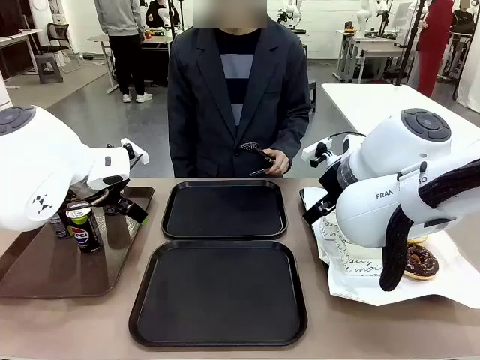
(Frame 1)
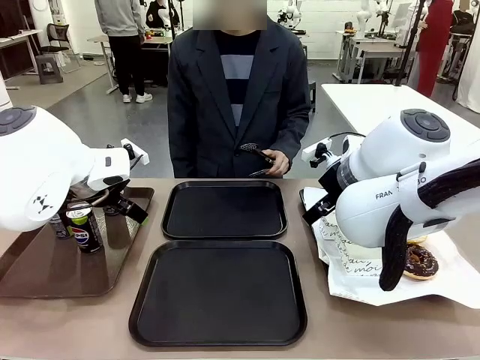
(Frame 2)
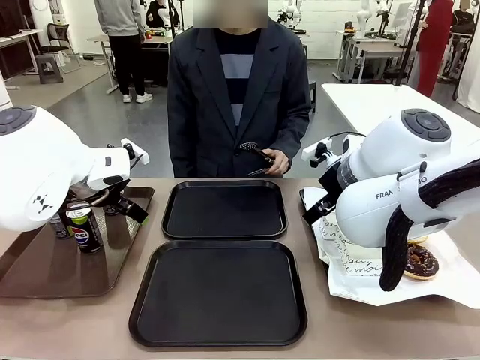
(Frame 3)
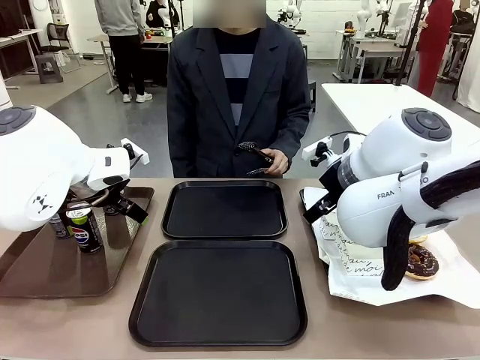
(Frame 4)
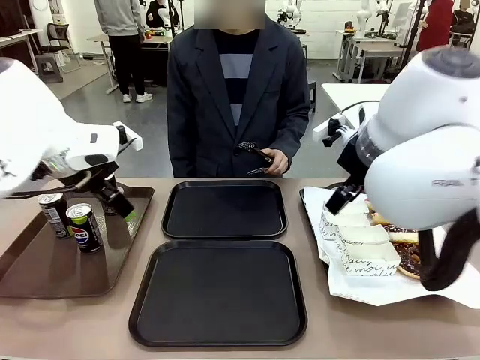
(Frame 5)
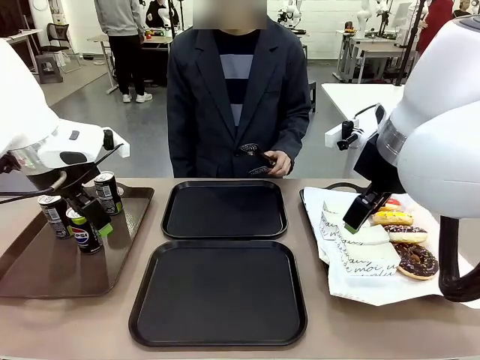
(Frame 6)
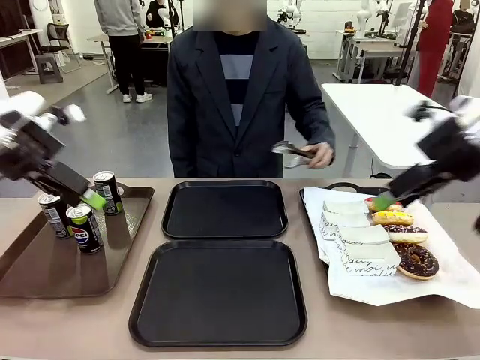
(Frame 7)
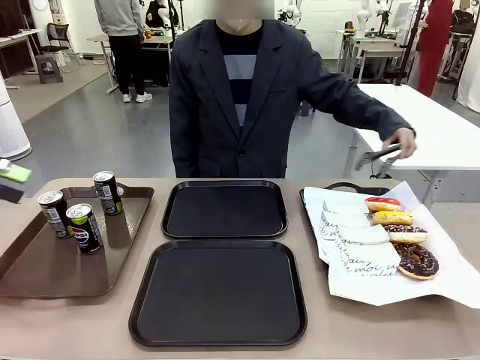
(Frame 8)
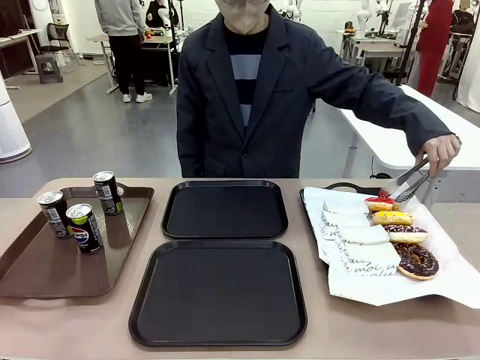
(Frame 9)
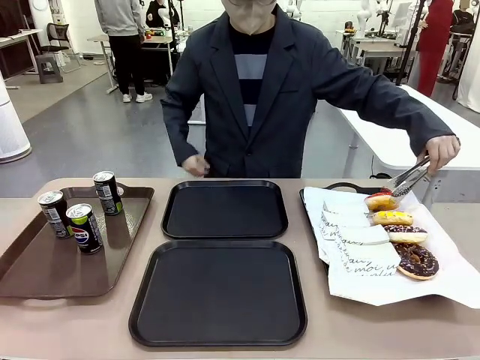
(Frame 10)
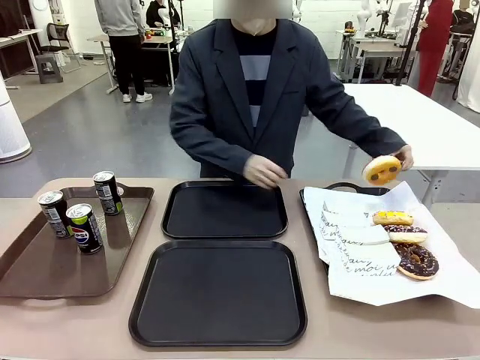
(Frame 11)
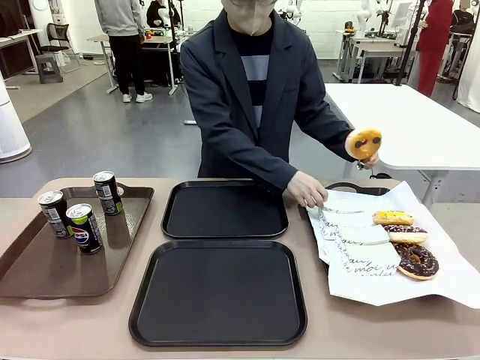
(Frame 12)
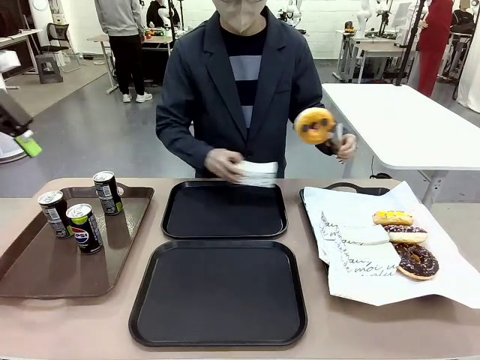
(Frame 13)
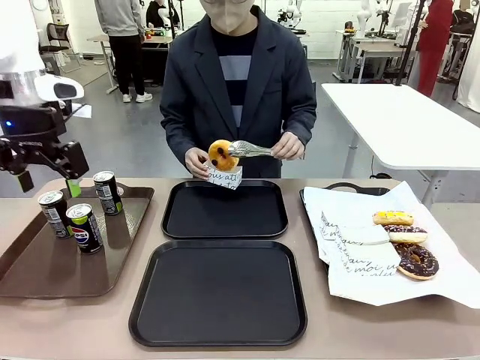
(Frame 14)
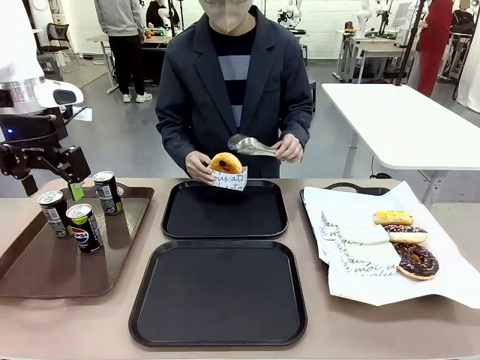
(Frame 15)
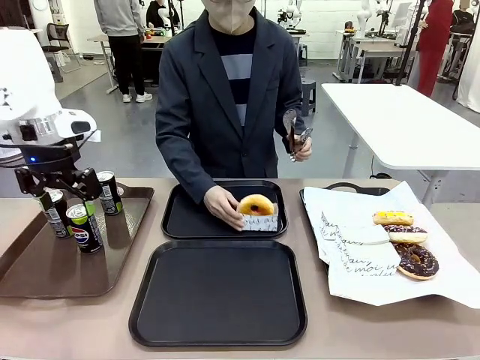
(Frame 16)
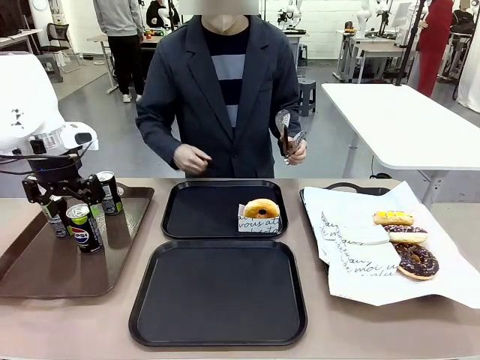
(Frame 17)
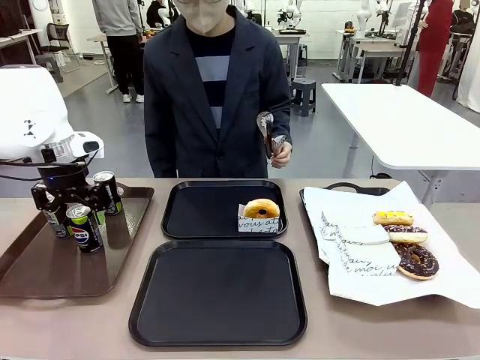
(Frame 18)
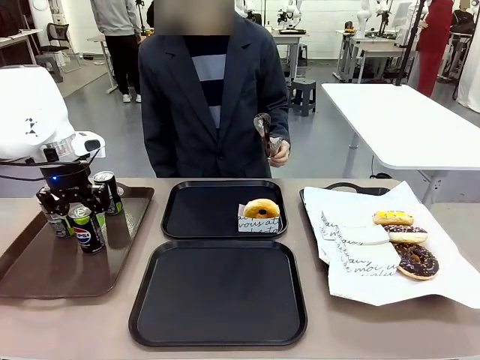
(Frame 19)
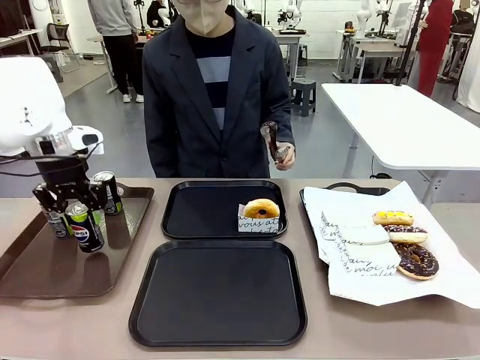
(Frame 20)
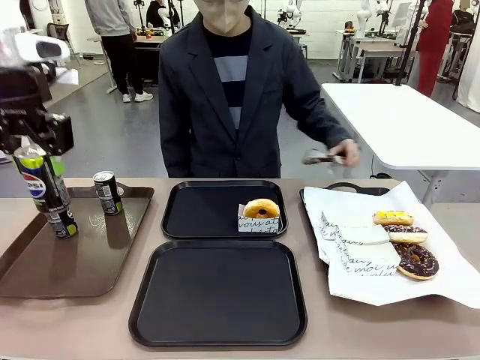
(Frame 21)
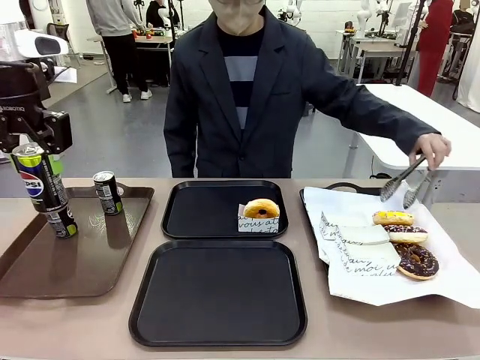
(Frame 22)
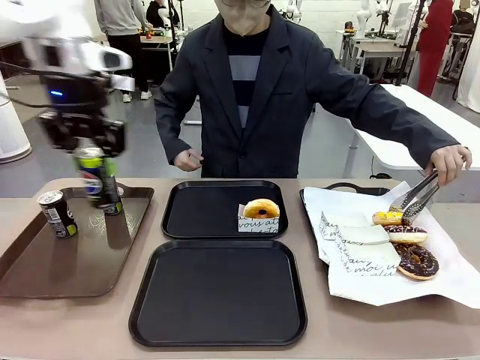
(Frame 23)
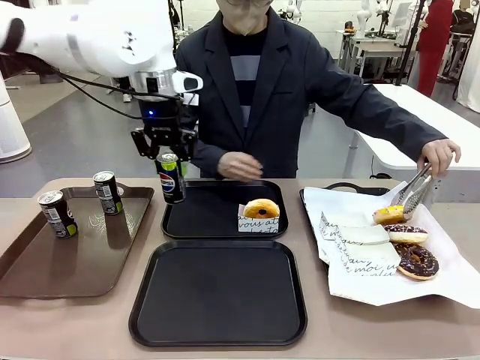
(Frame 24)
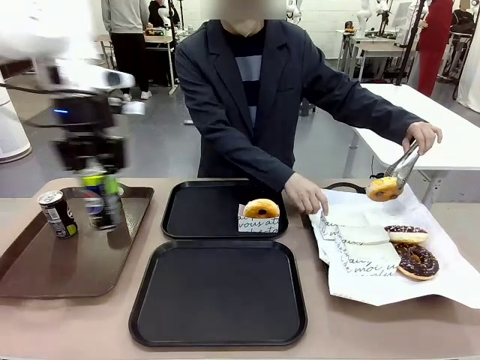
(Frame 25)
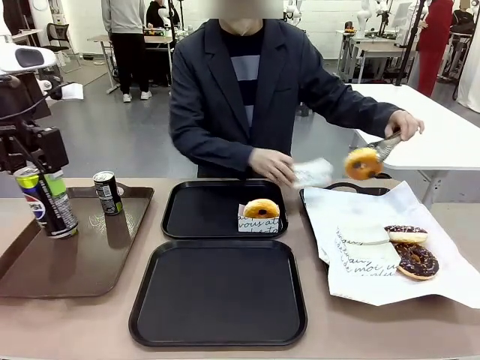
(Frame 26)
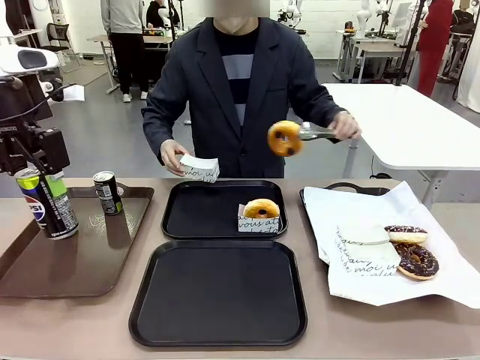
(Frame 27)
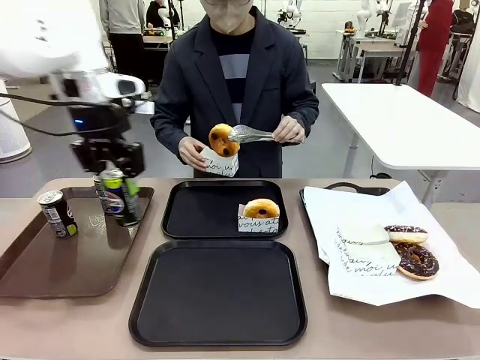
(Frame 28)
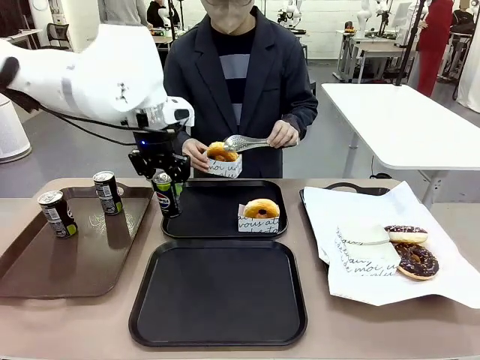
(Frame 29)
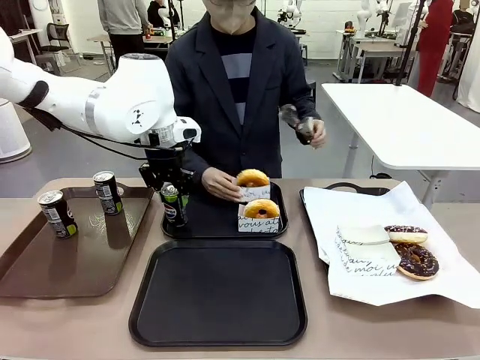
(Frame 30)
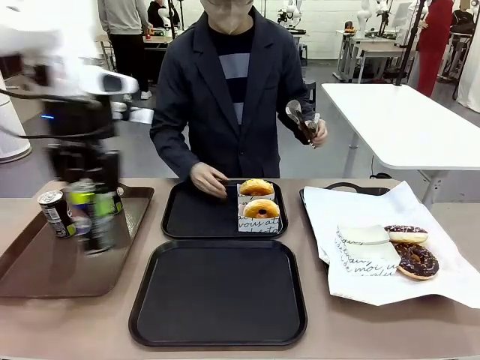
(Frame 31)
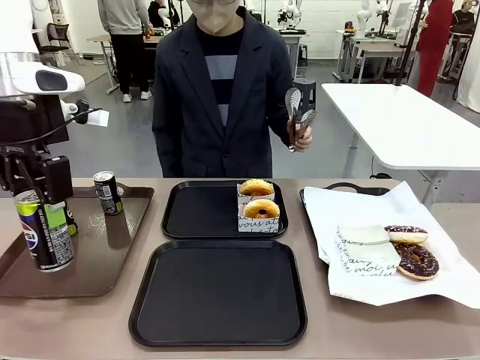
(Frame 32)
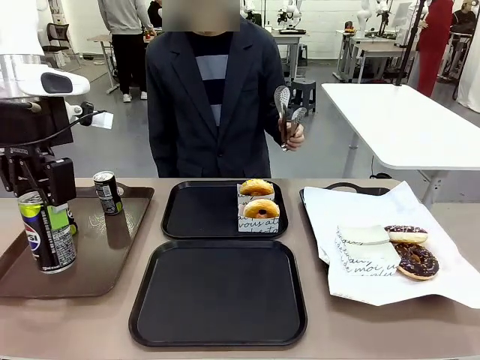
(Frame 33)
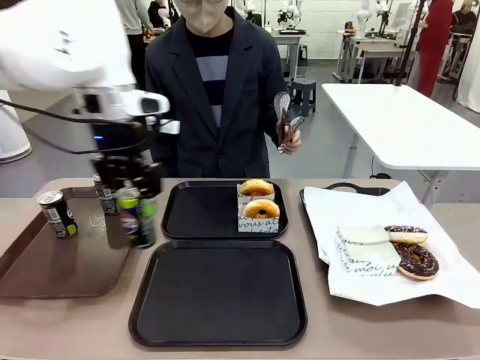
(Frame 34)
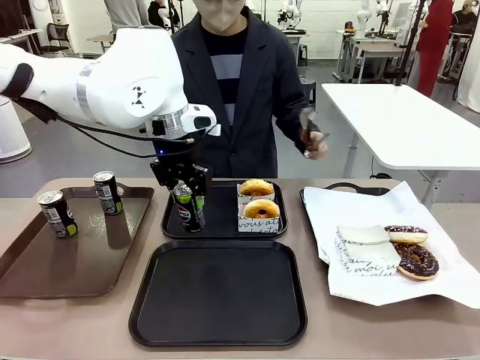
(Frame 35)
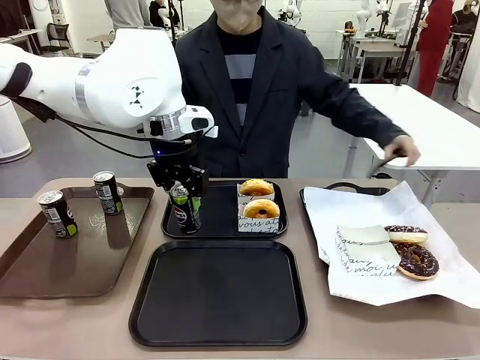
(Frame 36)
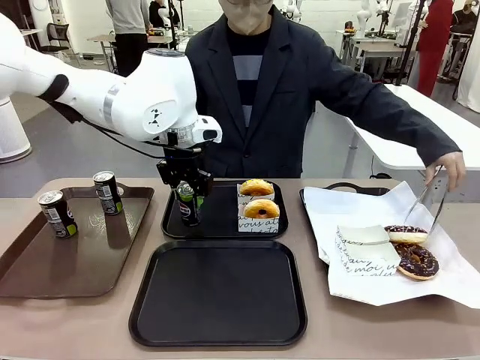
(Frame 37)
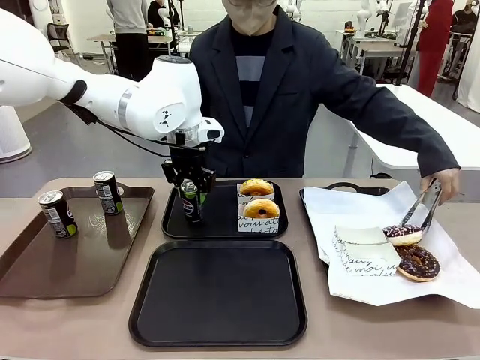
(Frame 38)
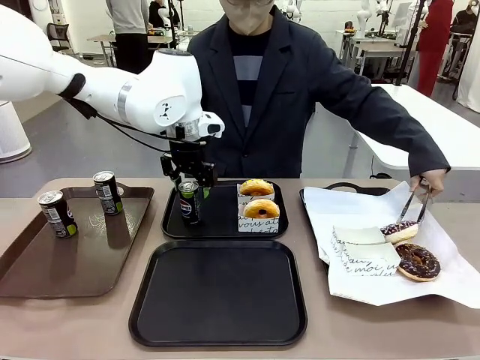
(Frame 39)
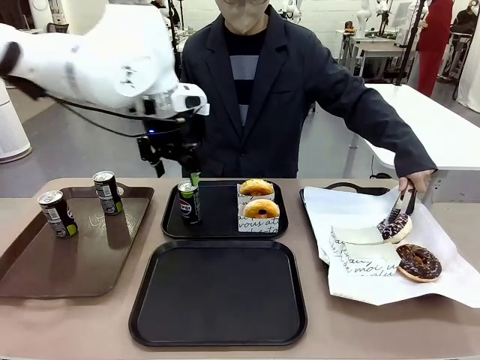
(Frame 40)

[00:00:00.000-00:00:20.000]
Task: Set up donuts and drinks on trays.
Robot: Pick up one Pepsi coke and place it on the Flat Tray.

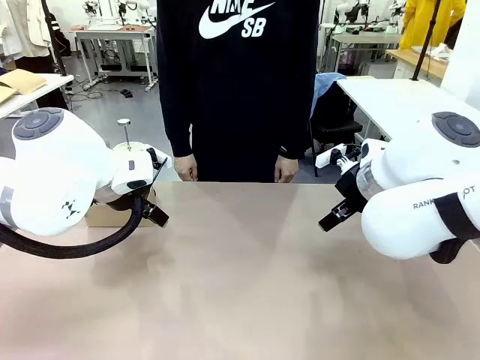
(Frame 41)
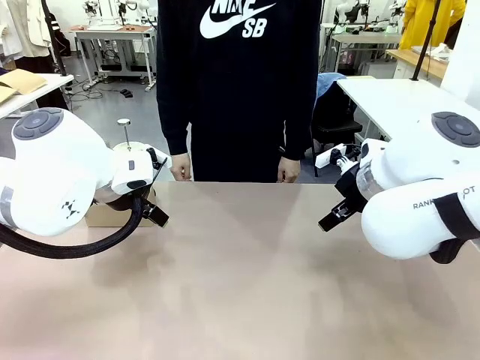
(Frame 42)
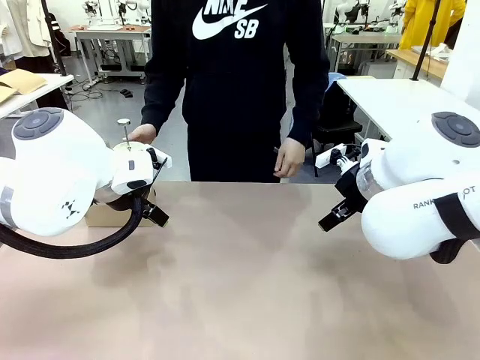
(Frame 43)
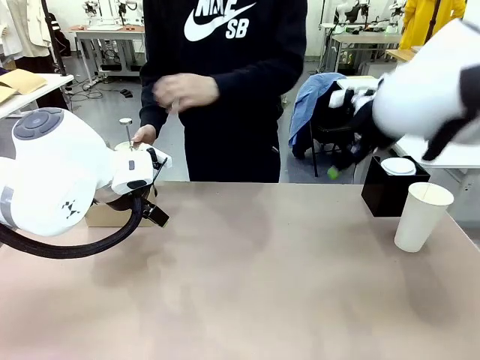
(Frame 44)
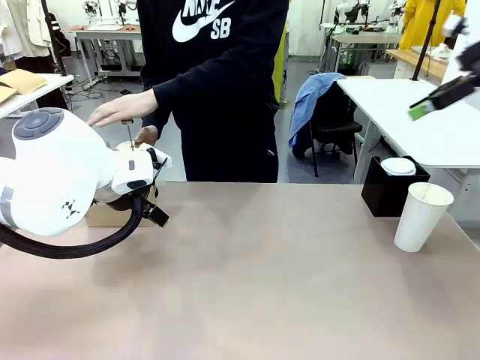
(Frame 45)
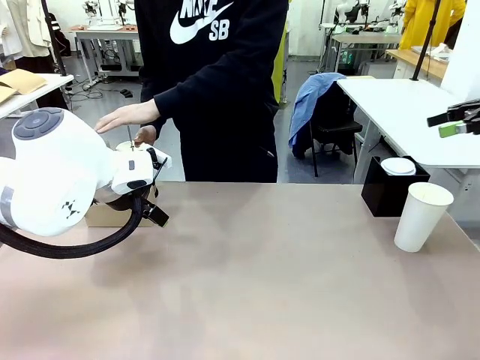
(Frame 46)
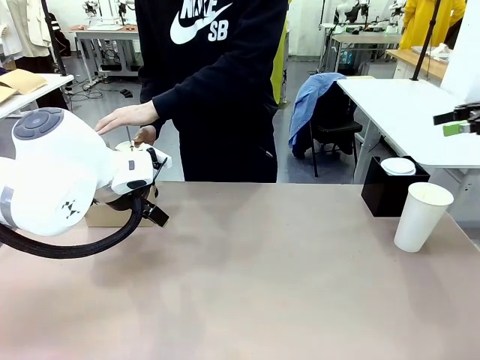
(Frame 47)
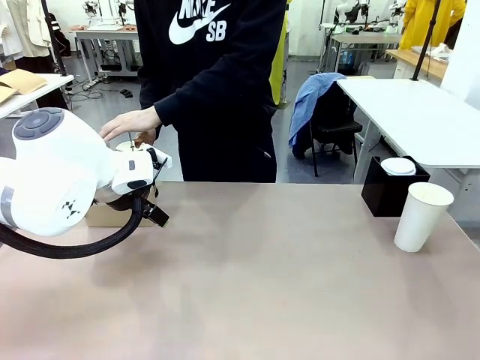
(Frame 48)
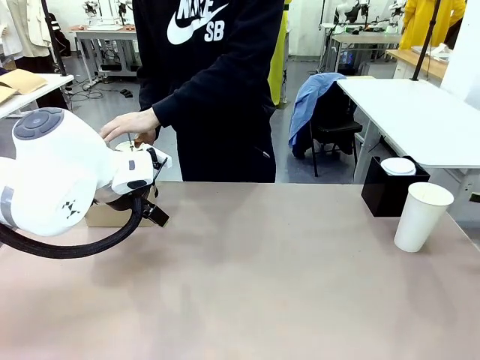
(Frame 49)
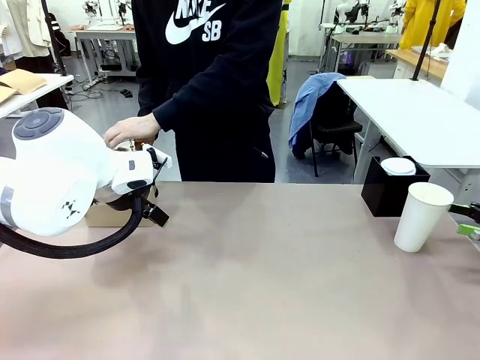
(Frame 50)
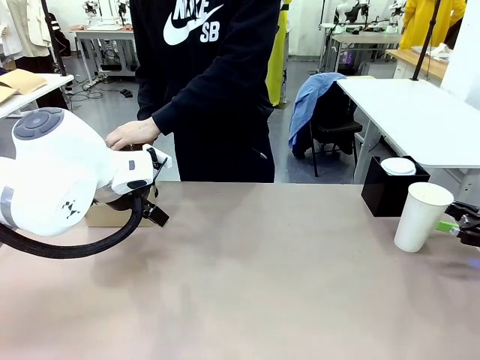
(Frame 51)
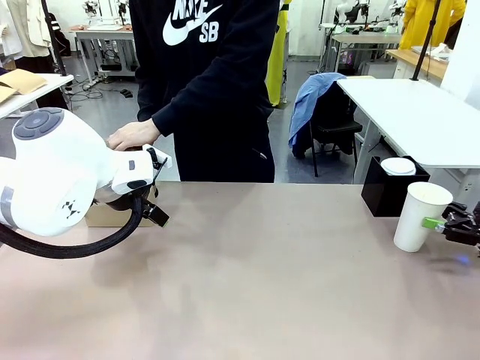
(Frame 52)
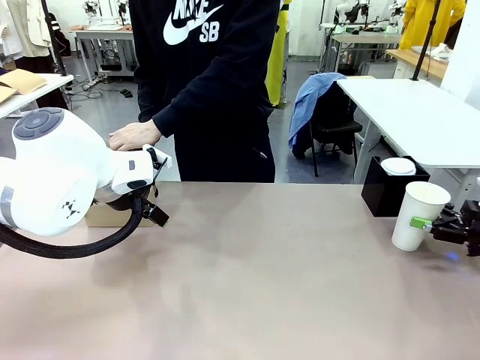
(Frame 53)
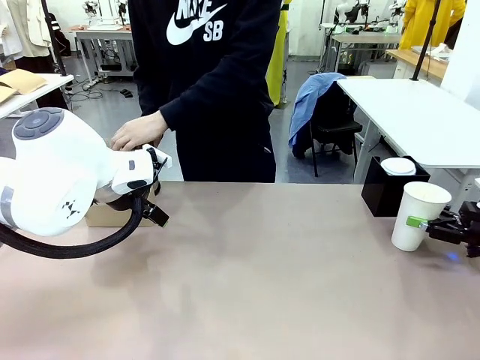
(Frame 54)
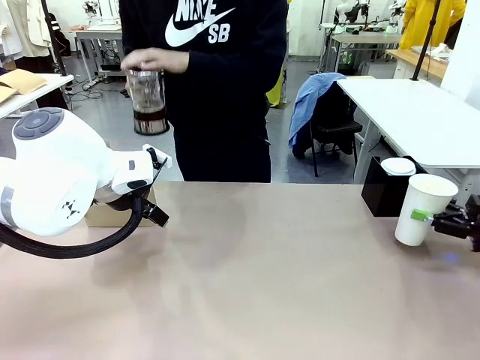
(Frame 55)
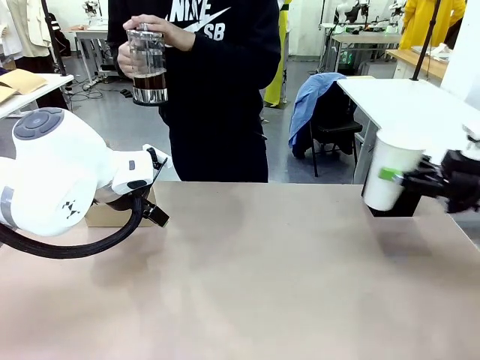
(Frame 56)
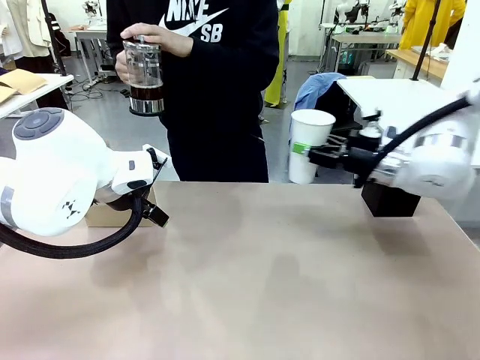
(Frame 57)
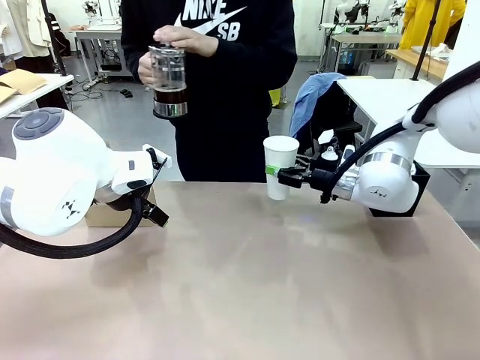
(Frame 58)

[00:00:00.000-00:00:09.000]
Task: Pour a drink into a cup and package it in a carrier.
Robot: Pick up the 600 ml Paper Cup and place it in the middle top area of the table.
Person: Press and pick up the Filter Brewing.
